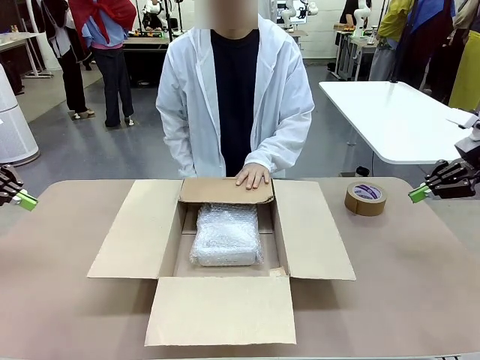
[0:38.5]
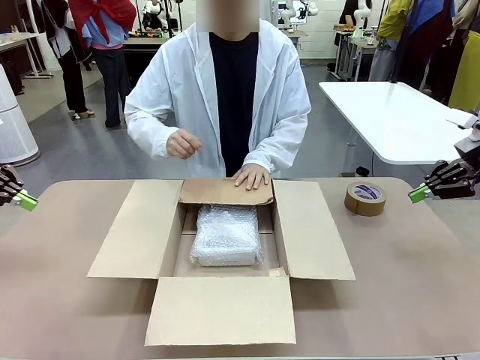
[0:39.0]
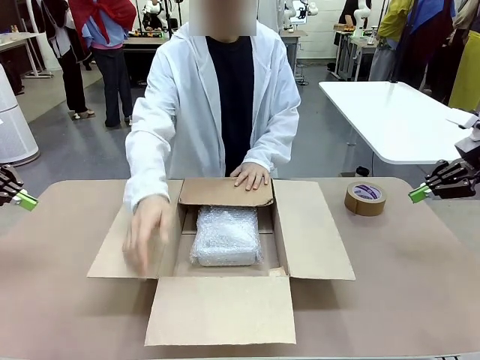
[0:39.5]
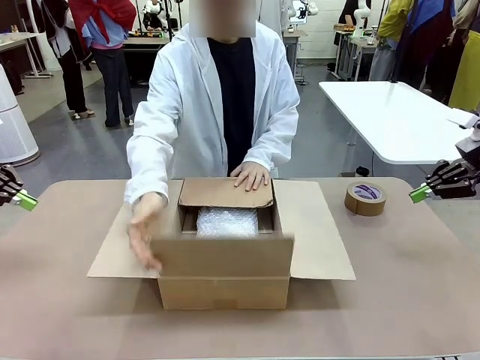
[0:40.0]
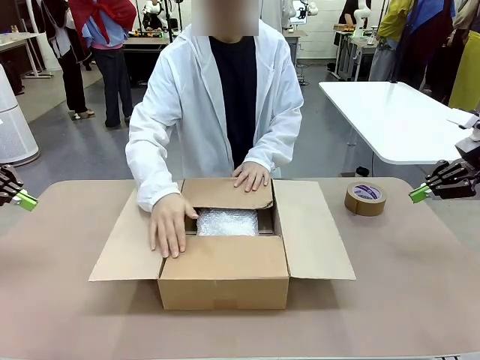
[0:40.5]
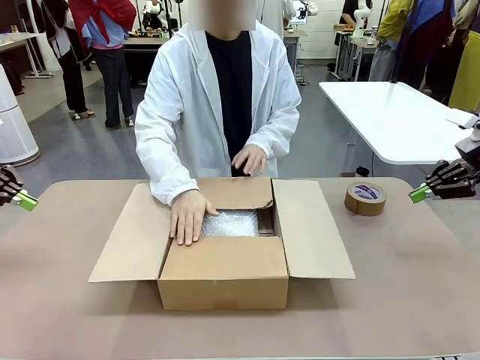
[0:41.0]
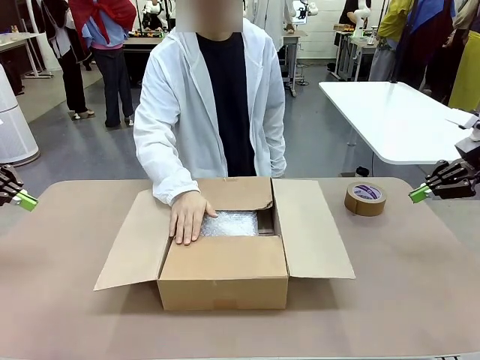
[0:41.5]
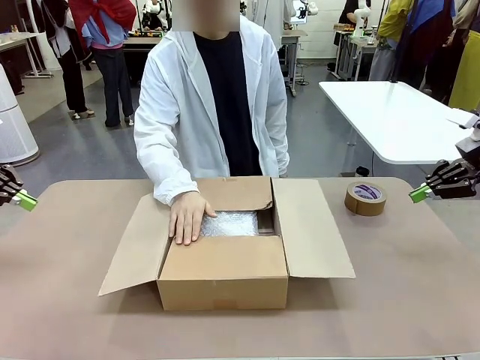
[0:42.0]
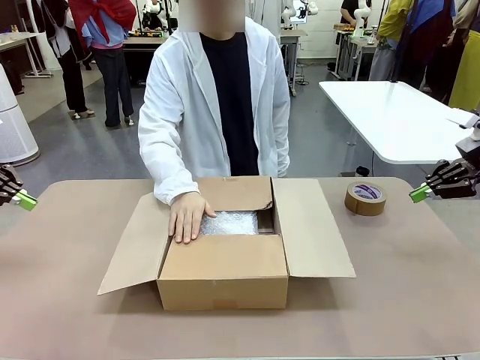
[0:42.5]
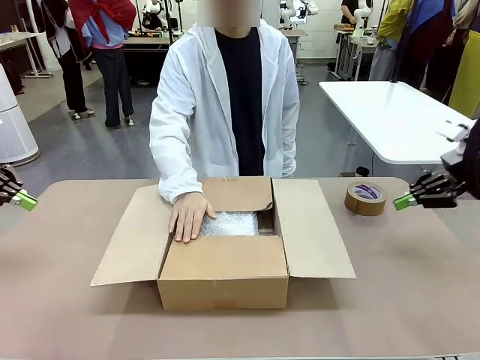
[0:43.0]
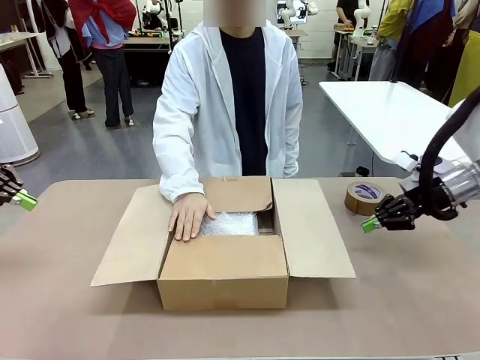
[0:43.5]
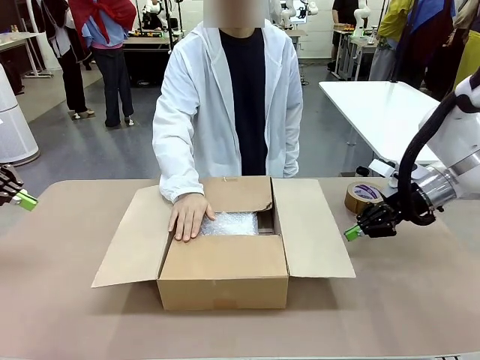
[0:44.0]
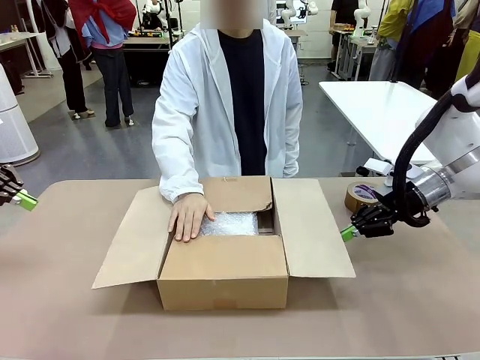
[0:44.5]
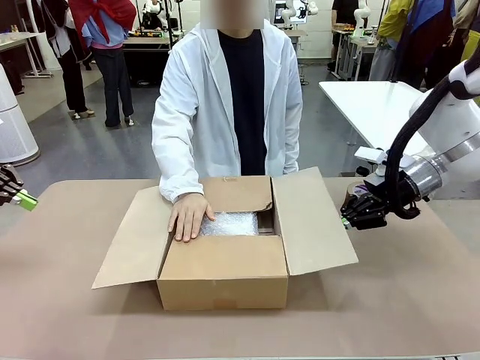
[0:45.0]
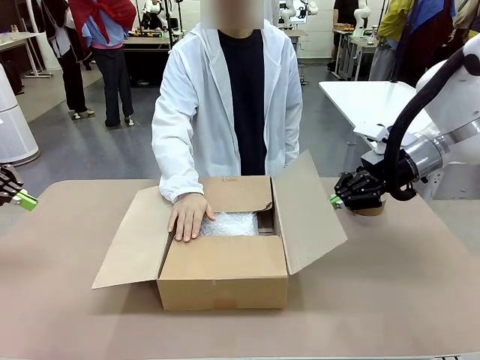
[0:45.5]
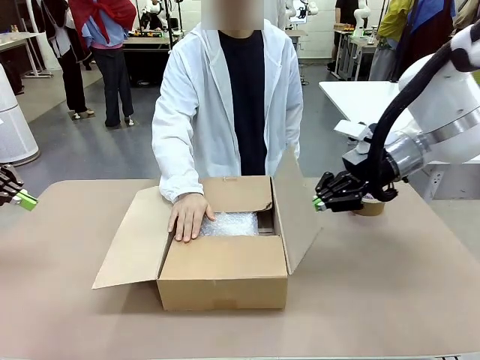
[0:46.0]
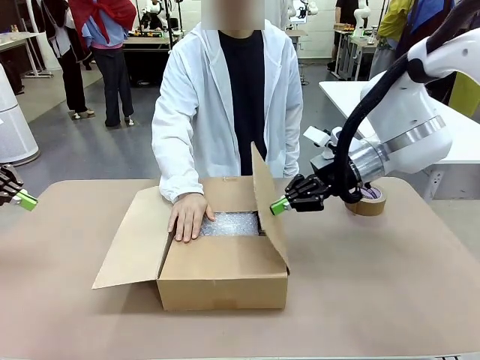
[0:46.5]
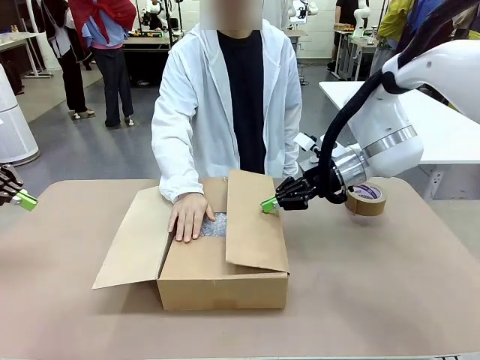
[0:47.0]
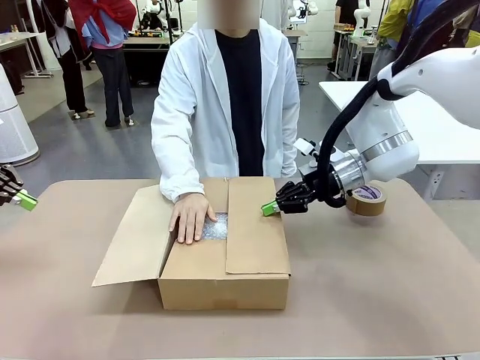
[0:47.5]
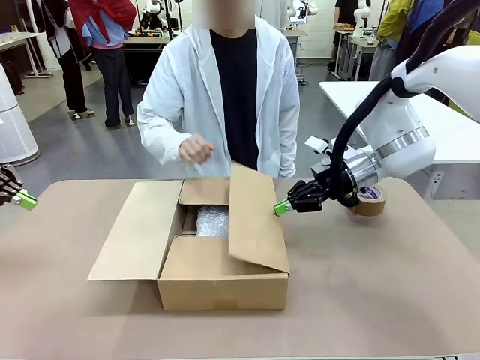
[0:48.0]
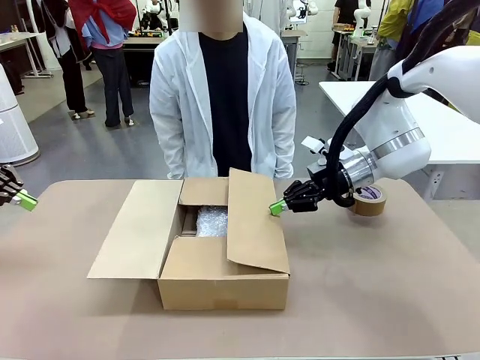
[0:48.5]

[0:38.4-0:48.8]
Task: Wrap the clocks to prevent damage.
Robot: Push the right (or left) flap of the Package Box to close it.
Person: Once the robot closes the right flap of the Package Box , release your left hand from the box.

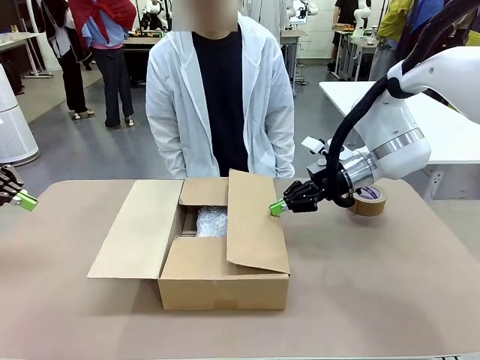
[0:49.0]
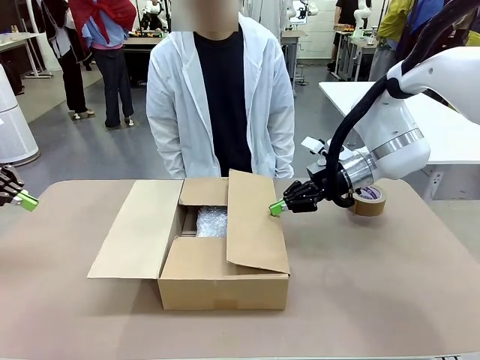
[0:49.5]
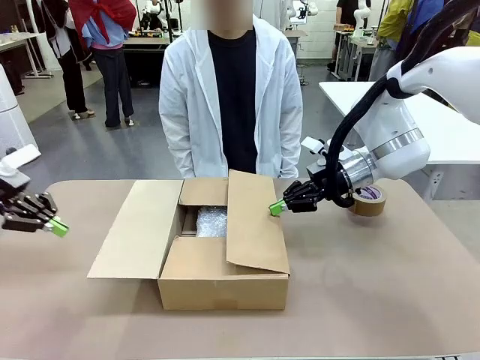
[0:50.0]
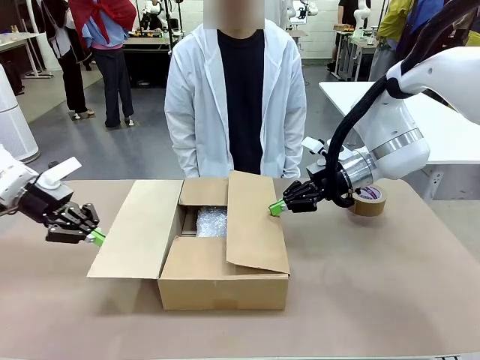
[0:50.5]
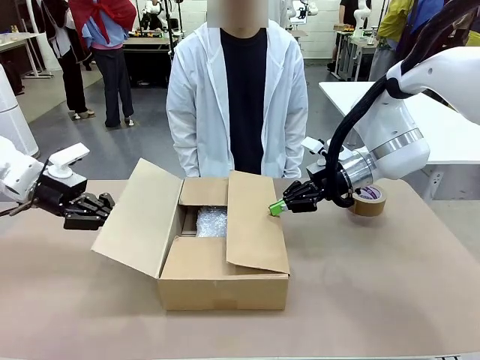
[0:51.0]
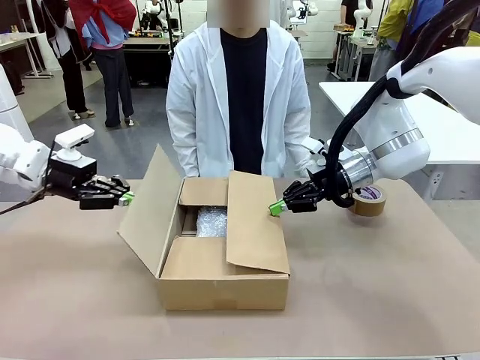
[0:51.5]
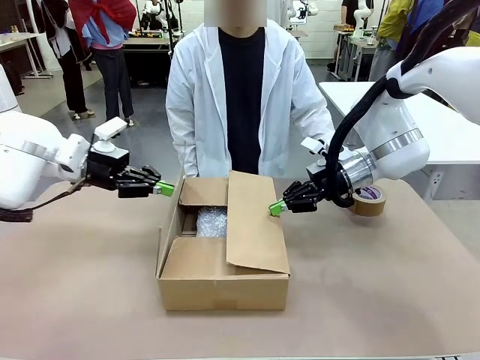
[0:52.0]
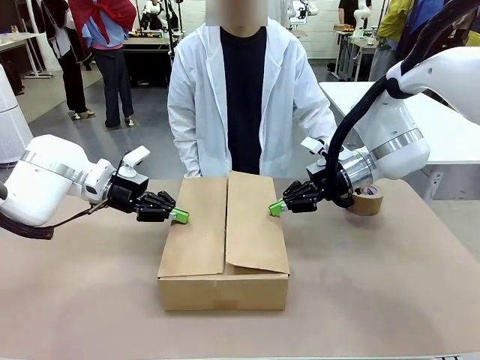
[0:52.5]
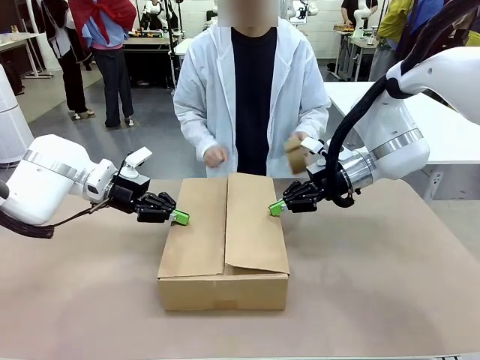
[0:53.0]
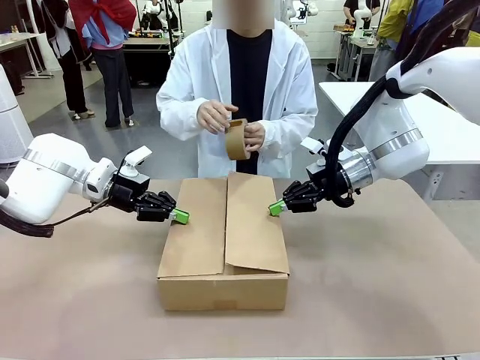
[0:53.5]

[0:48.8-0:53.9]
Robot: Push the left (or right) flap of the Package Box to close it.

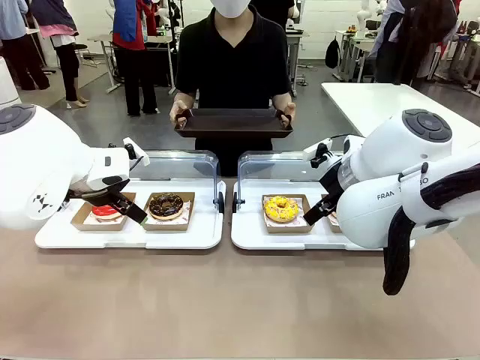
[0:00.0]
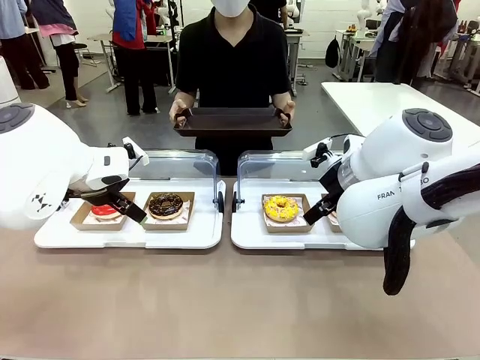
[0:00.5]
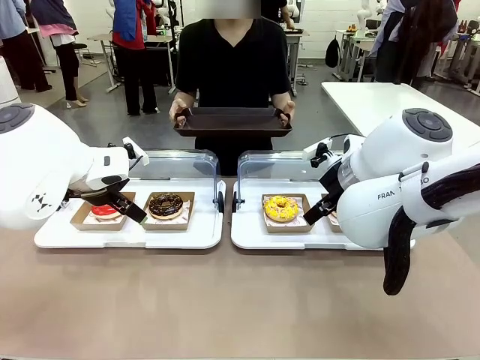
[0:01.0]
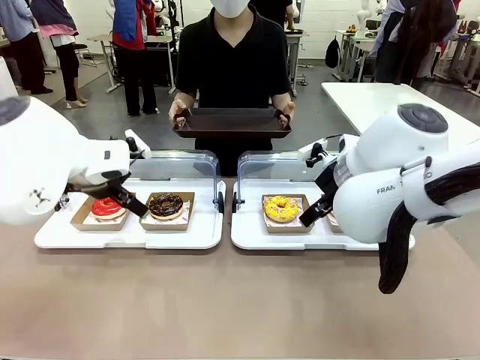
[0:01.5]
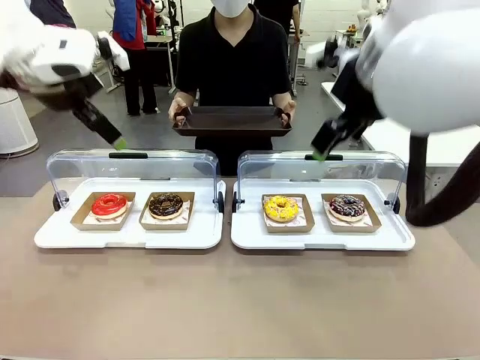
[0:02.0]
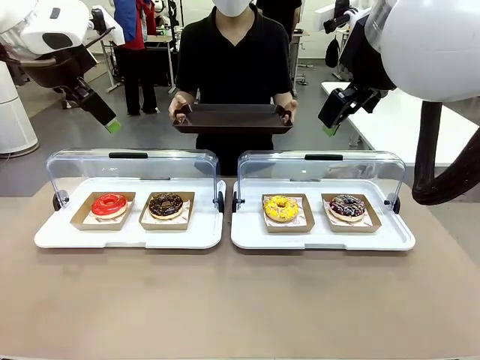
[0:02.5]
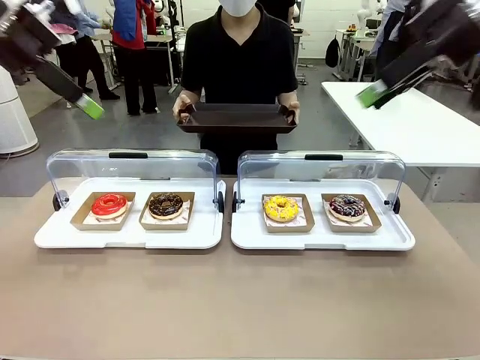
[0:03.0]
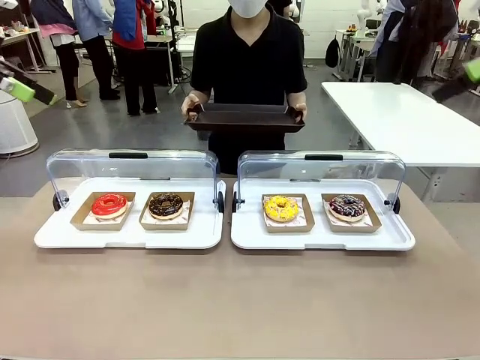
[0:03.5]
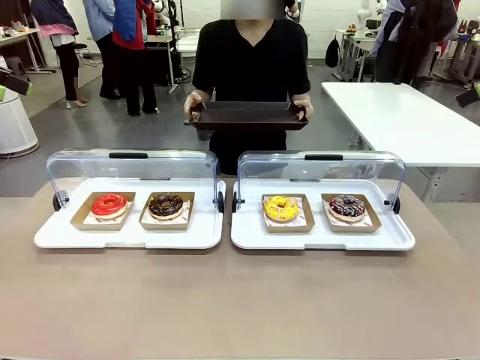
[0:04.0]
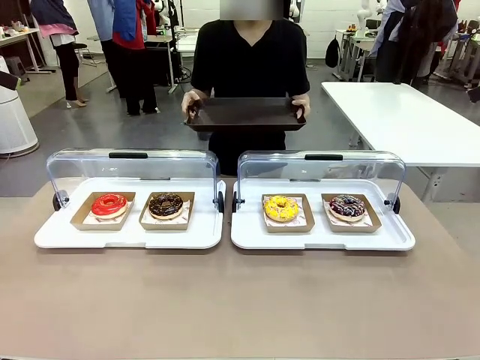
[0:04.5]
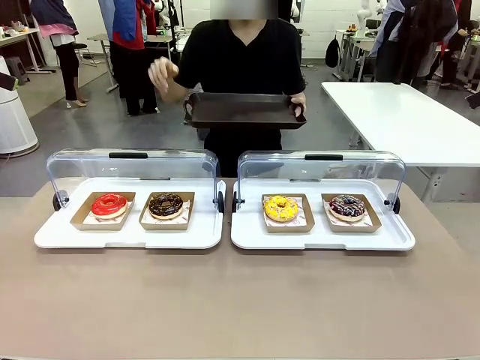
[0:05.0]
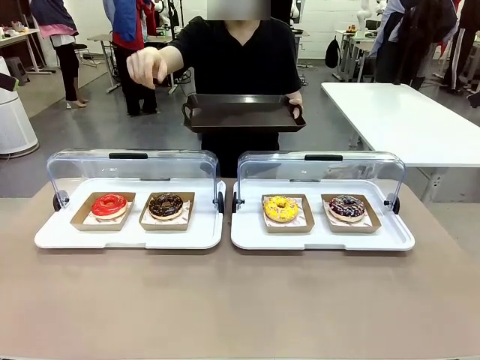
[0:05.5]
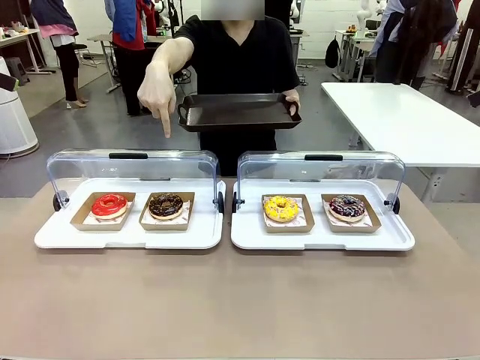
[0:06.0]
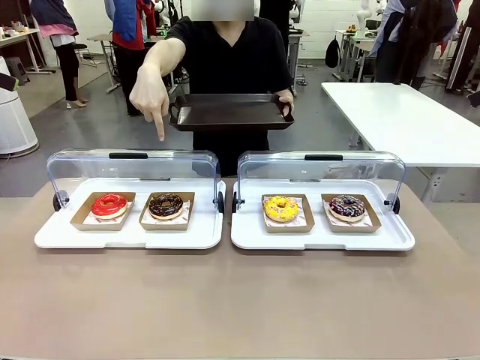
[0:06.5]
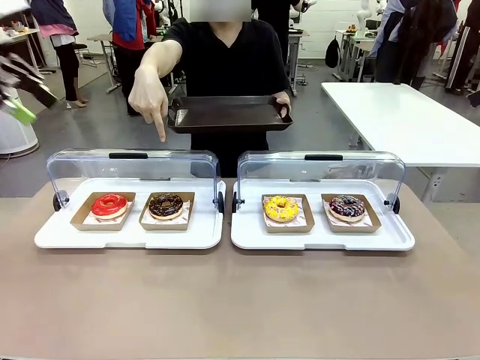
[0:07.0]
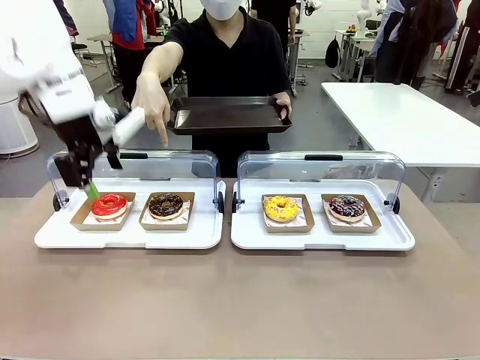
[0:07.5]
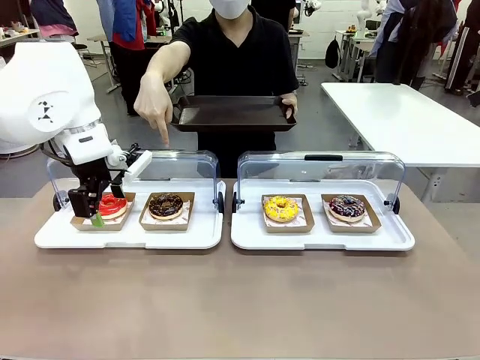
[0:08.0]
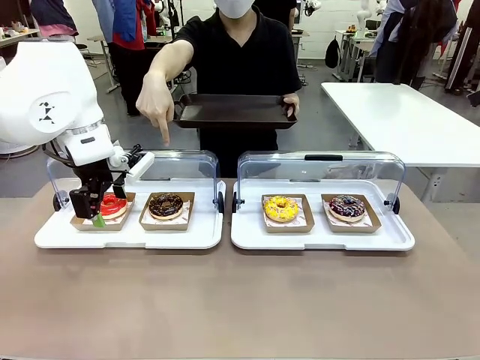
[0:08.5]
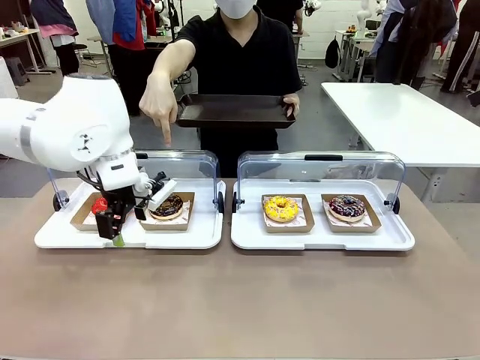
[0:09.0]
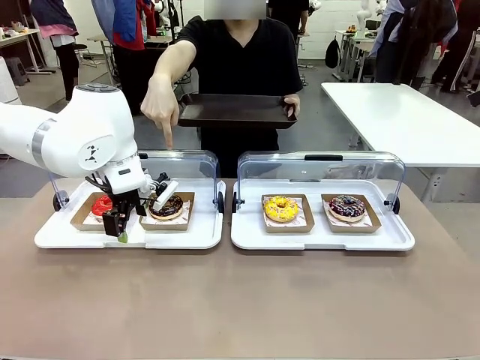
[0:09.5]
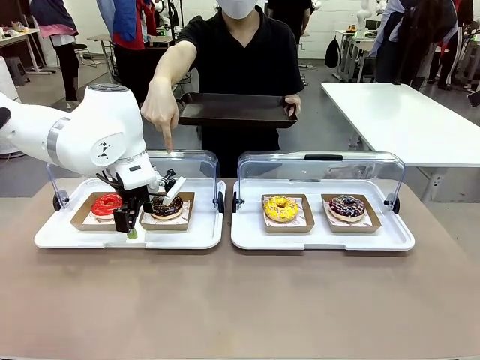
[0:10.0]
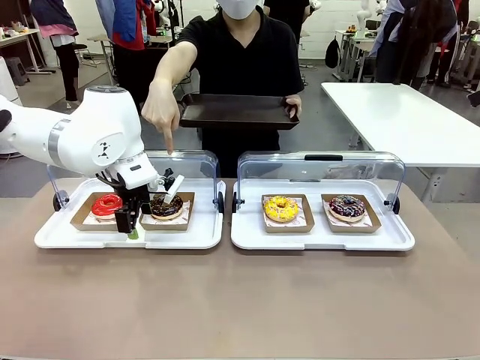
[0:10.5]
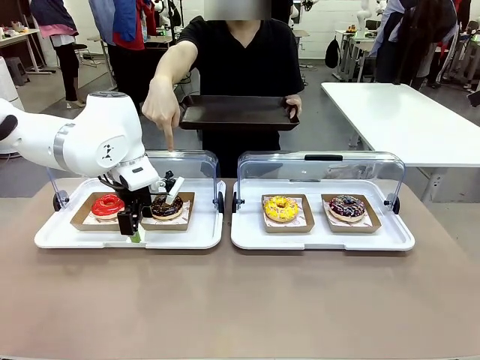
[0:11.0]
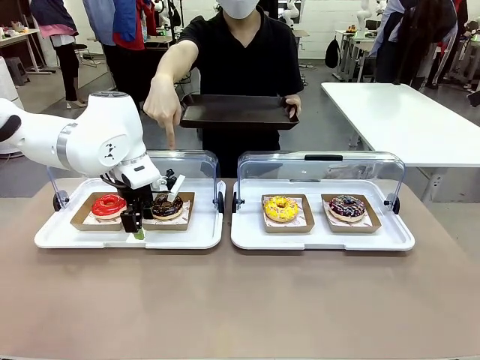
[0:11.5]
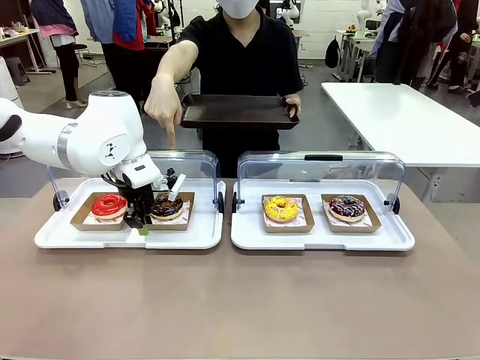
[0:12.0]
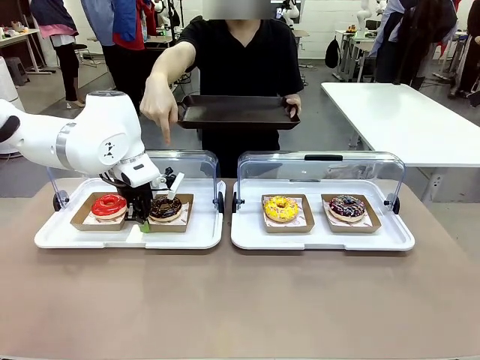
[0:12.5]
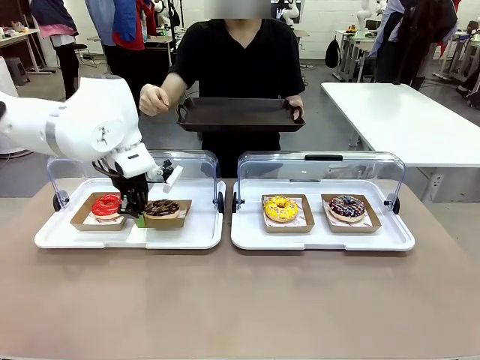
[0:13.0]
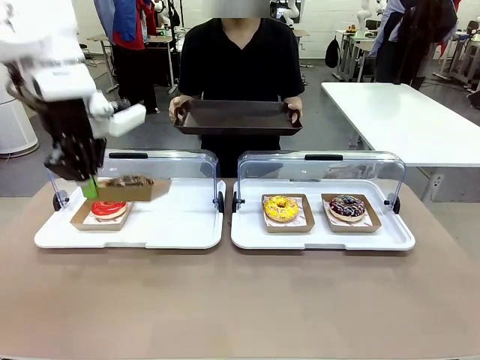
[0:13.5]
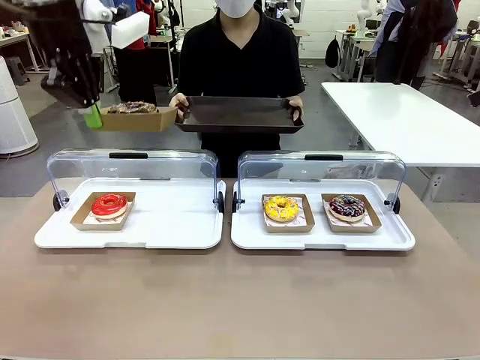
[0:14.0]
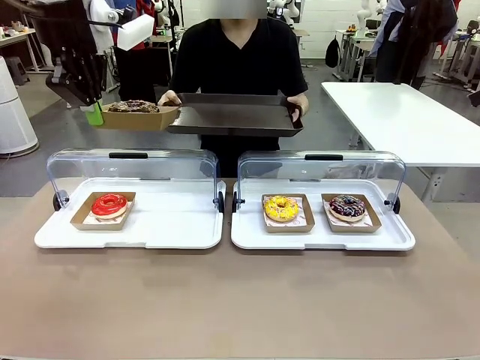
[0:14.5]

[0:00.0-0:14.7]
Task: Provide the desired donut to the person.
Robot: Pick up and lift the Paper togo box containing the Donut pointed at by the person.
Person: Point to one donut. Lift the tray onto the Roll-Top Bakery Case.
